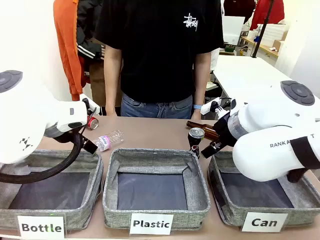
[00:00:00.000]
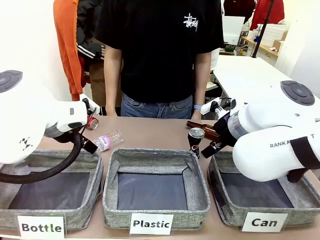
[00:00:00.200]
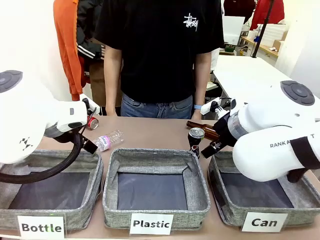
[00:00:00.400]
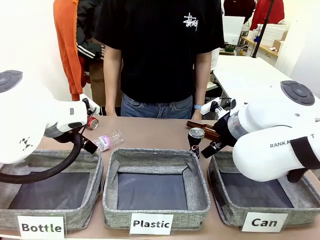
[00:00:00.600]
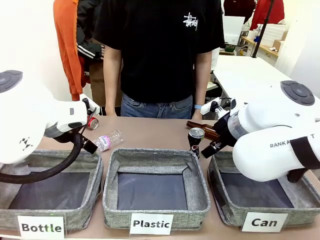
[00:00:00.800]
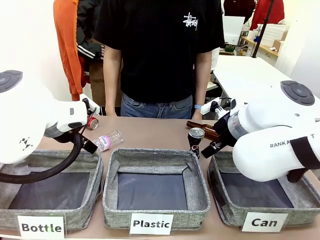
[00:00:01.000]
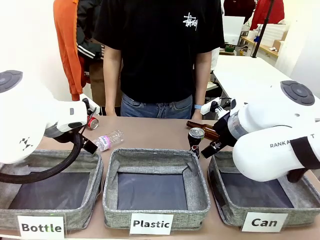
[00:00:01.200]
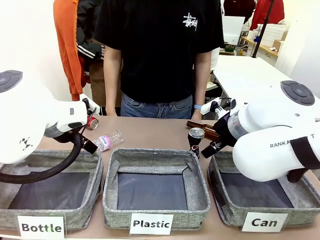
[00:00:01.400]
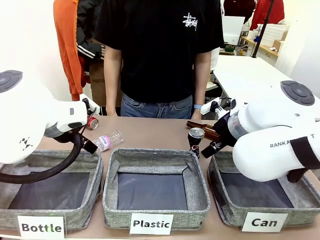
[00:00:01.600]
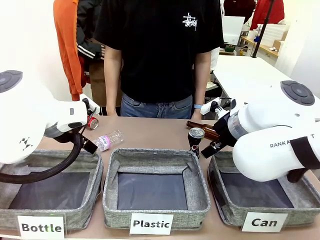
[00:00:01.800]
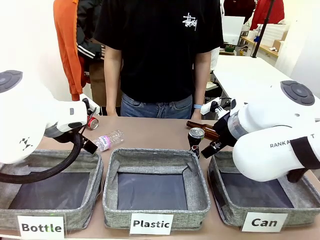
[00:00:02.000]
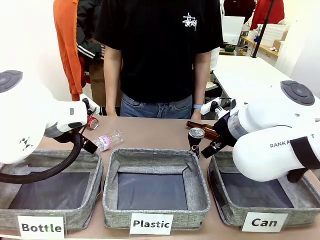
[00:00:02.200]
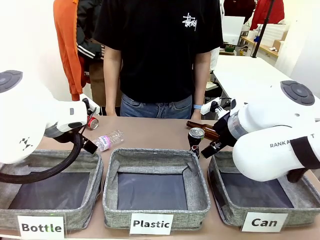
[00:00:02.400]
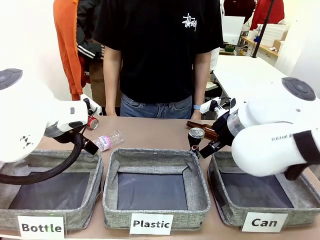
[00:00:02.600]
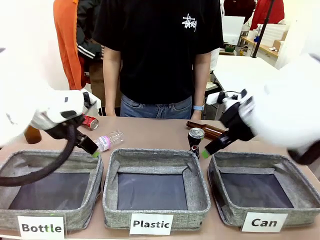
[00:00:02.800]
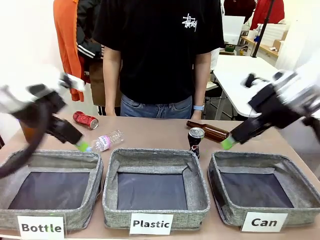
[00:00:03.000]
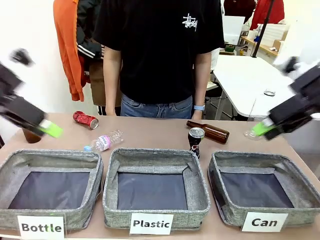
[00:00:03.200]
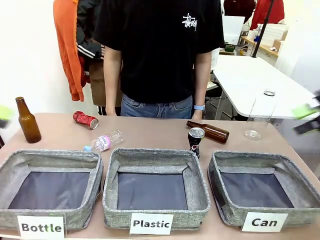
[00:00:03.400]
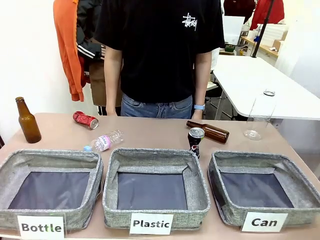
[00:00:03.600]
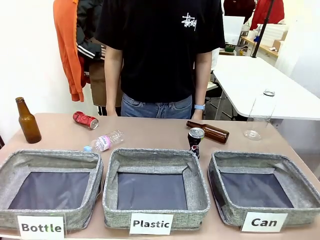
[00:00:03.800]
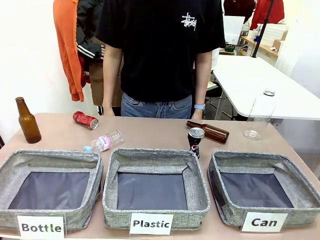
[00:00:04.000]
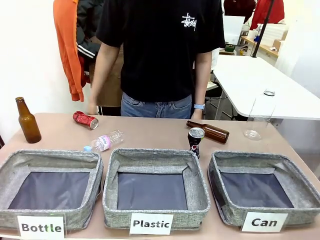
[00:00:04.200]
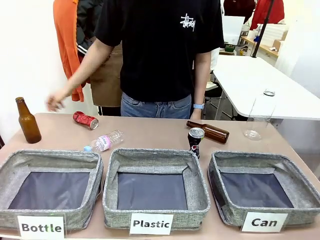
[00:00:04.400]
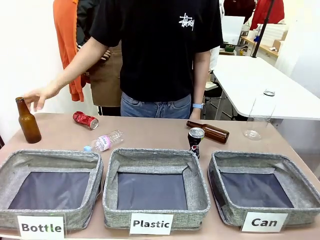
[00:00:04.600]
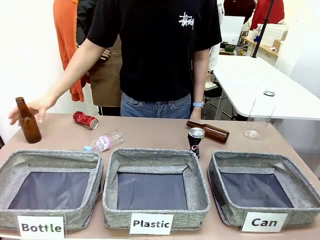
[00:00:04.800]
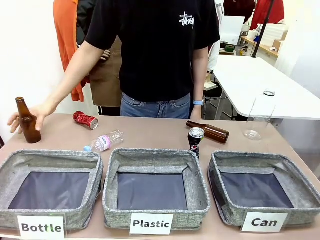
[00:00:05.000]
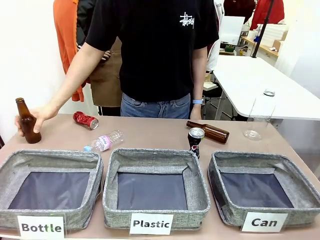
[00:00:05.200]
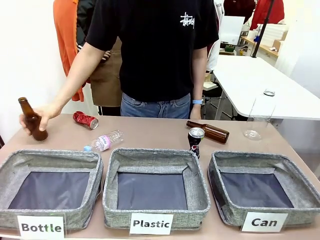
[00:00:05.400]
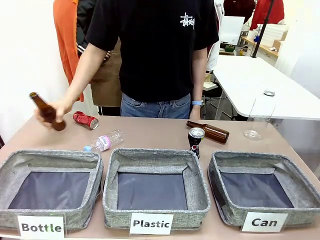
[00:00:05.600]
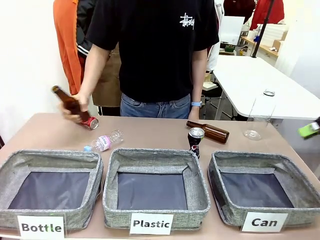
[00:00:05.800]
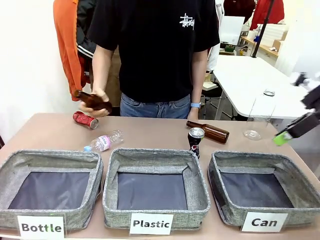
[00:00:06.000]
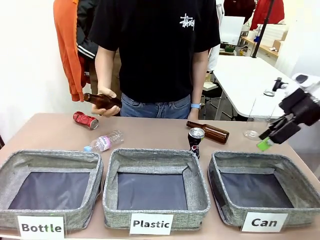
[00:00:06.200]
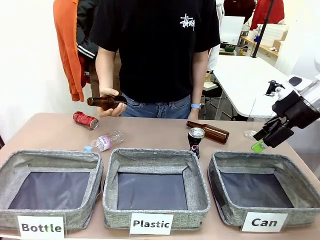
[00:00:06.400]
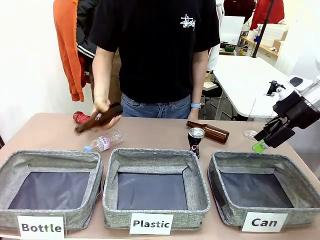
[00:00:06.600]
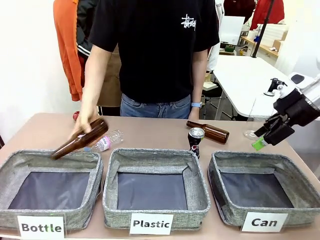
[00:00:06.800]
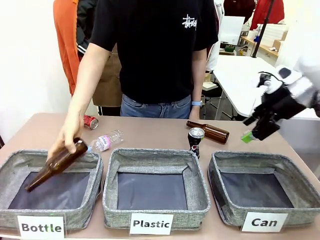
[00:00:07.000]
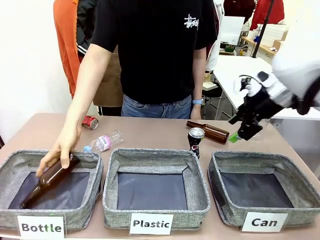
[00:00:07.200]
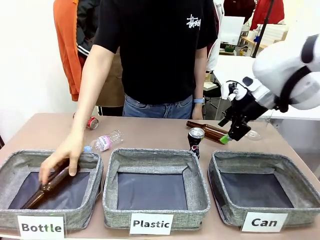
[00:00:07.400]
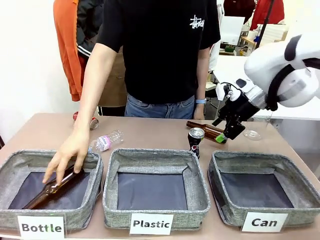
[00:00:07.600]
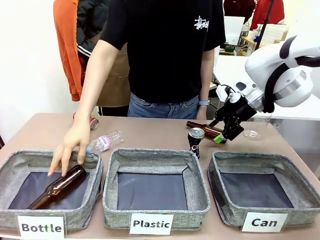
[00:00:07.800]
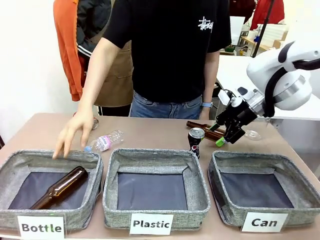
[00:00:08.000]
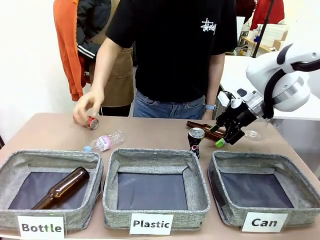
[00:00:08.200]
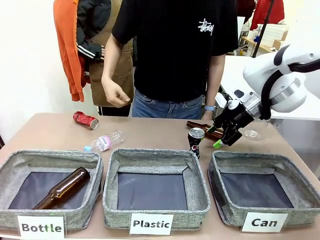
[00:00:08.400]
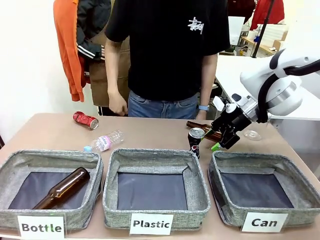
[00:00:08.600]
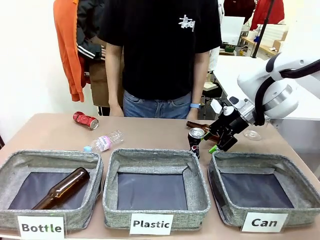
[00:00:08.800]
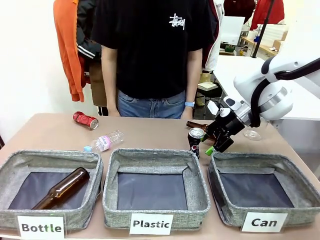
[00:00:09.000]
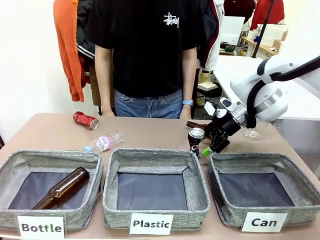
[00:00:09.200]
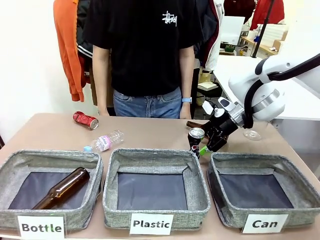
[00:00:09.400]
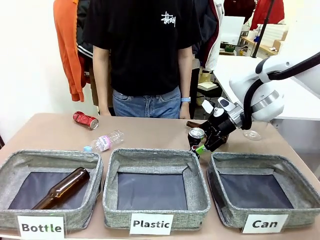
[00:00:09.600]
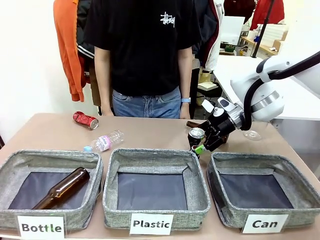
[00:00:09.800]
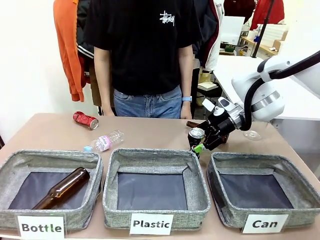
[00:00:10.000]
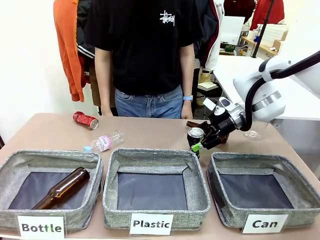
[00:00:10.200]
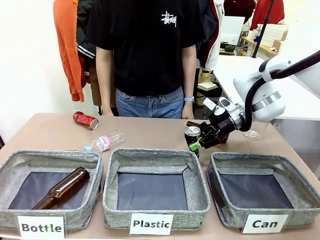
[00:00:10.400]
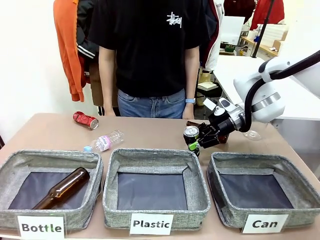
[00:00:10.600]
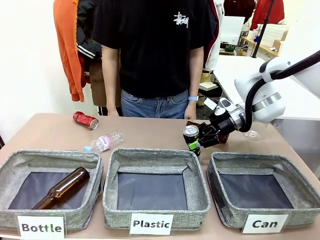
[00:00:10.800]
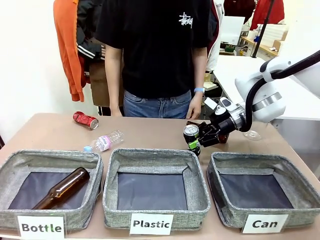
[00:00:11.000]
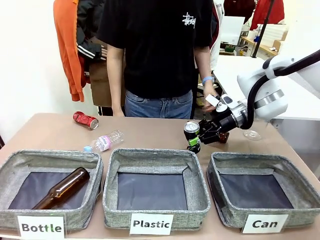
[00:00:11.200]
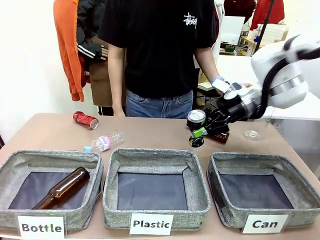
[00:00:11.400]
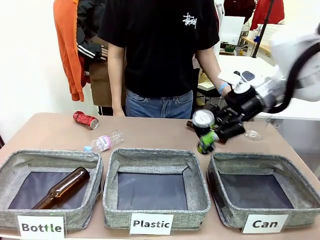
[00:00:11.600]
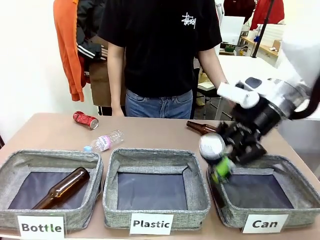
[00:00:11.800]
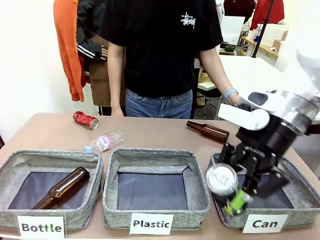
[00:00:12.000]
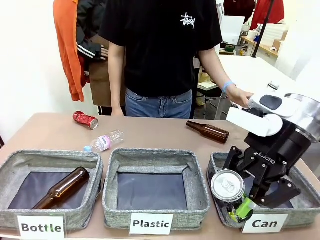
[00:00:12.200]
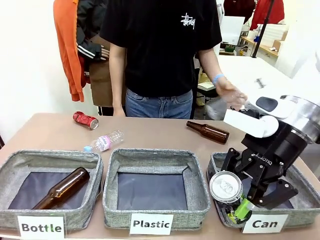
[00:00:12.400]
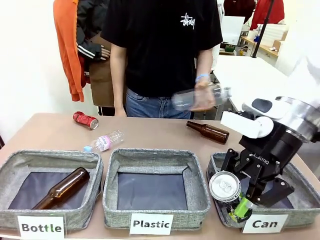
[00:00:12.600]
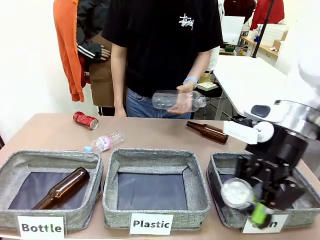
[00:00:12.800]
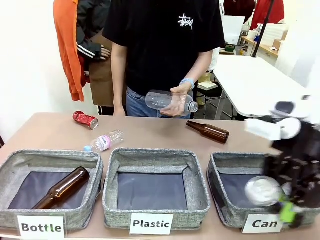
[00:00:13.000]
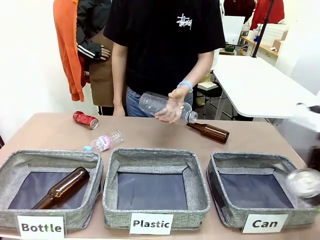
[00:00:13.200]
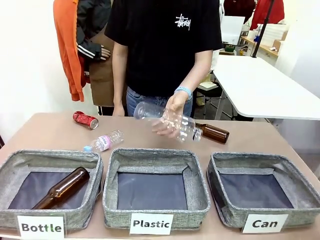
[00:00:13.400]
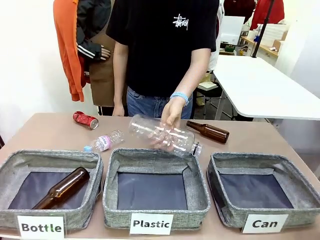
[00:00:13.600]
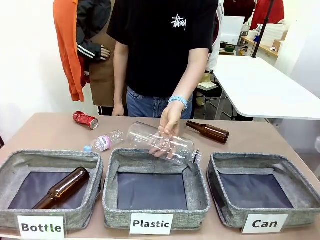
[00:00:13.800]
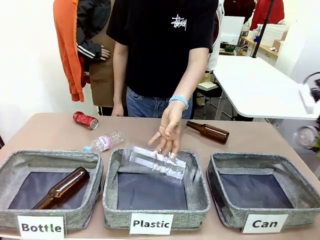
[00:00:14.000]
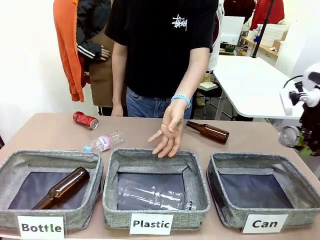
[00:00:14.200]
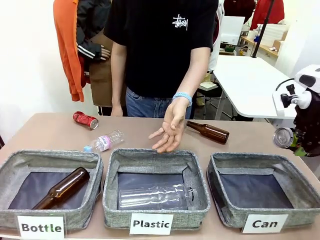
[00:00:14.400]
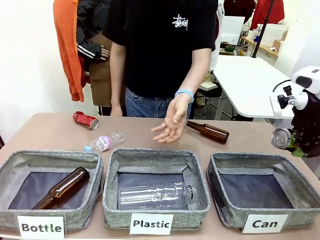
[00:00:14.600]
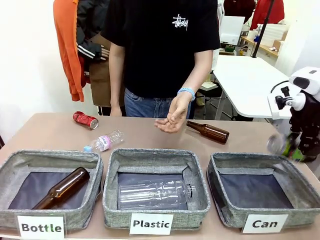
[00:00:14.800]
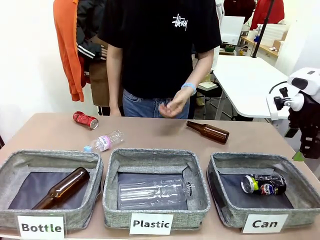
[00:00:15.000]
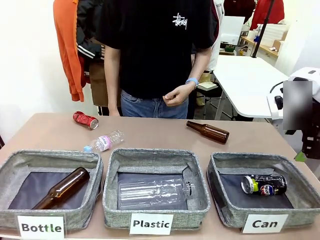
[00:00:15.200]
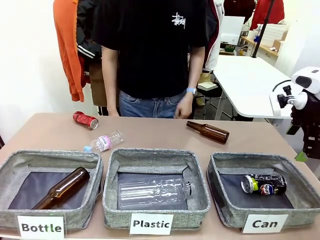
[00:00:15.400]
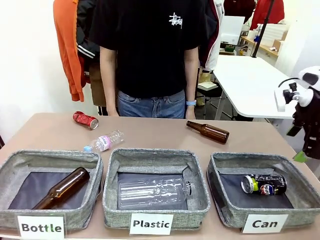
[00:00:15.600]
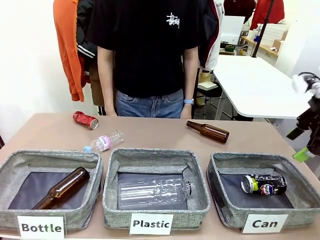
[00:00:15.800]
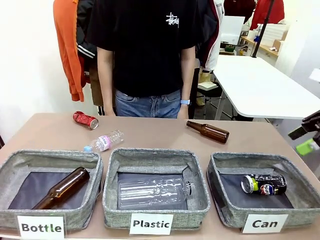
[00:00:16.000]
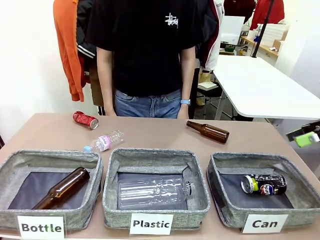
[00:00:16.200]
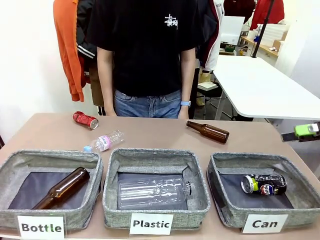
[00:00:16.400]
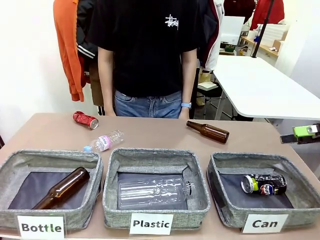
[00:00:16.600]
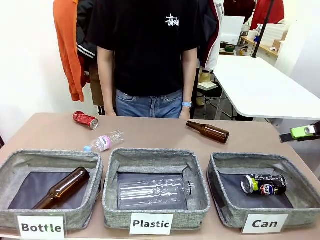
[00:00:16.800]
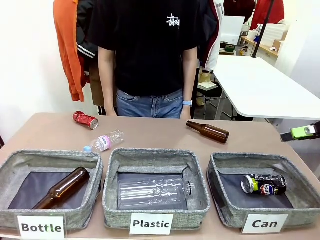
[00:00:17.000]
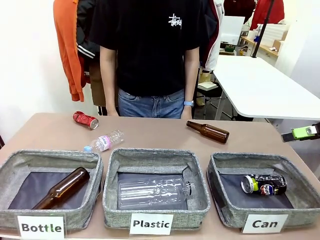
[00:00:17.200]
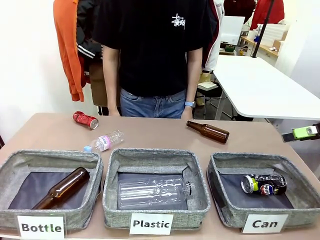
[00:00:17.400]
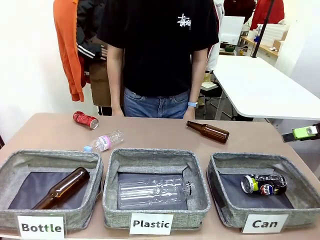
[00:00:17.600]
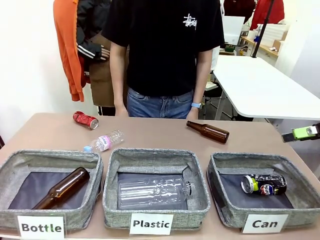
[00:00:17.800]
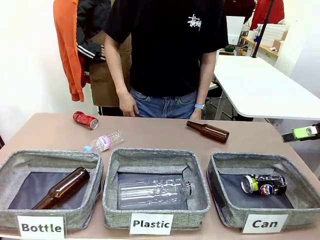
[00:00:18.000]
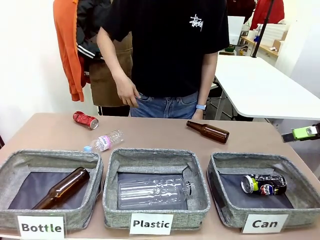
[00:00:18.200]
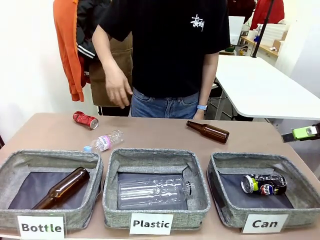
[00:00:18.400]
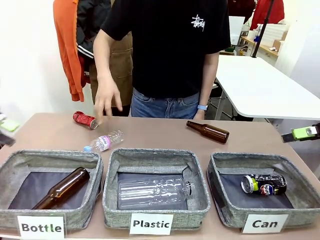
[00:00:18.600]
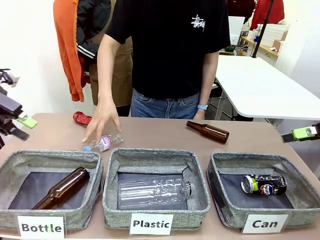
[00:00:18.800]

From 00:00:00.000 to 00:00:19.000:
Task: Sort the can waste into the basket.
Robot: Pick up the can waste from the table and place it in the right Fabric basket.
